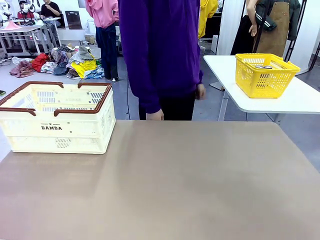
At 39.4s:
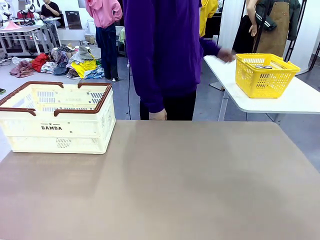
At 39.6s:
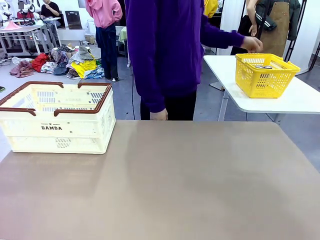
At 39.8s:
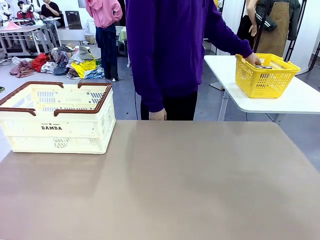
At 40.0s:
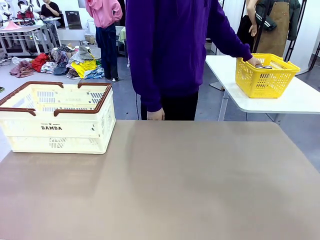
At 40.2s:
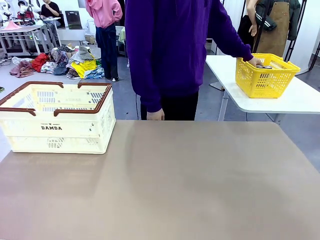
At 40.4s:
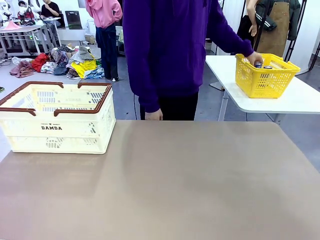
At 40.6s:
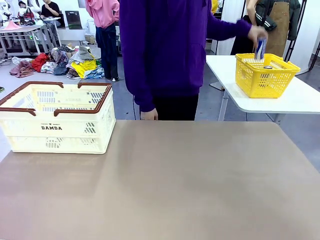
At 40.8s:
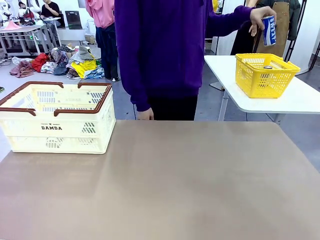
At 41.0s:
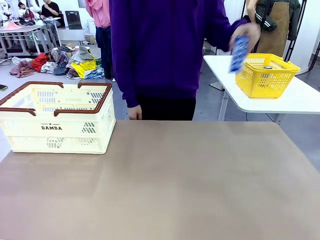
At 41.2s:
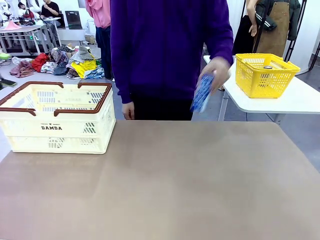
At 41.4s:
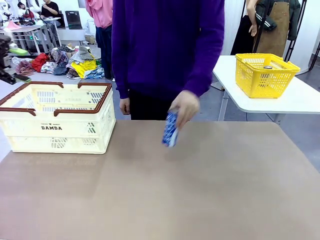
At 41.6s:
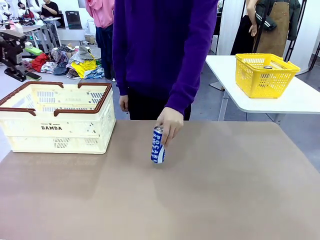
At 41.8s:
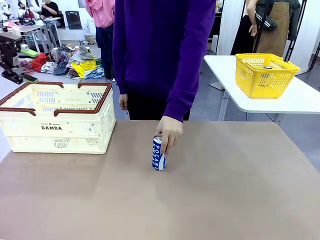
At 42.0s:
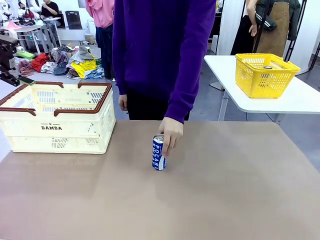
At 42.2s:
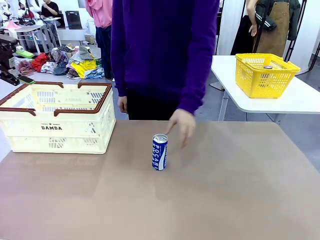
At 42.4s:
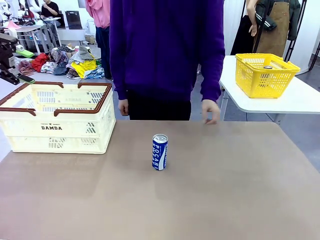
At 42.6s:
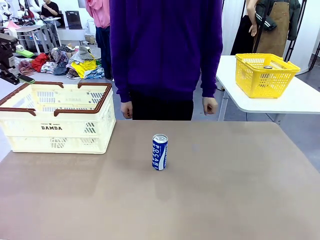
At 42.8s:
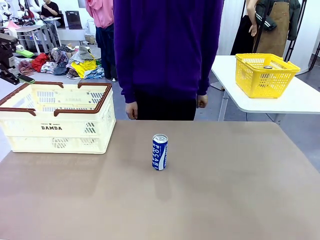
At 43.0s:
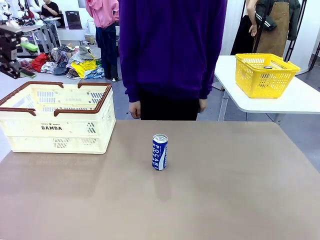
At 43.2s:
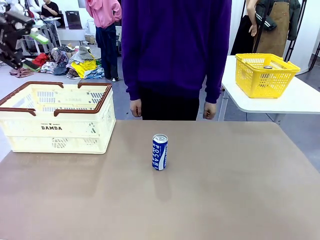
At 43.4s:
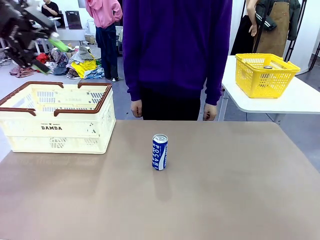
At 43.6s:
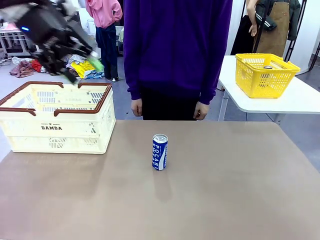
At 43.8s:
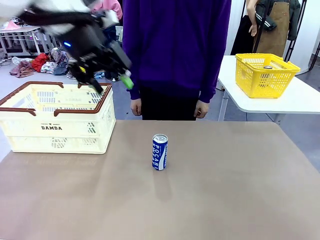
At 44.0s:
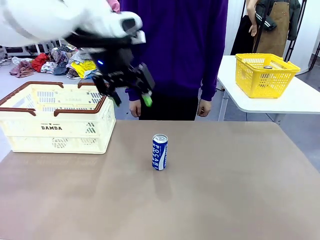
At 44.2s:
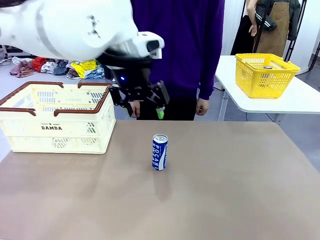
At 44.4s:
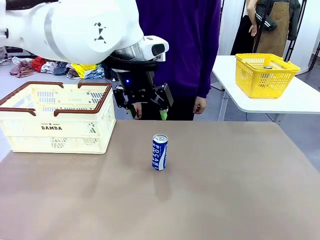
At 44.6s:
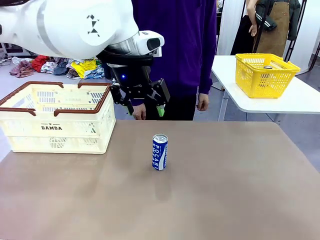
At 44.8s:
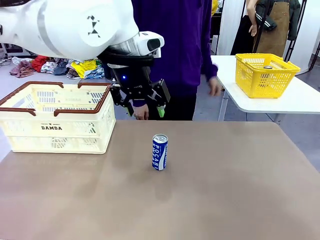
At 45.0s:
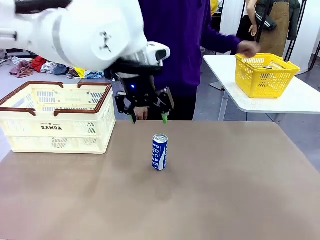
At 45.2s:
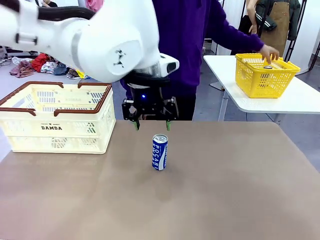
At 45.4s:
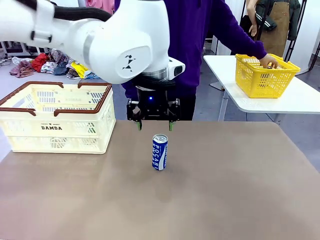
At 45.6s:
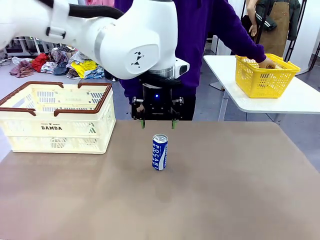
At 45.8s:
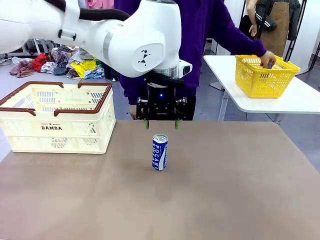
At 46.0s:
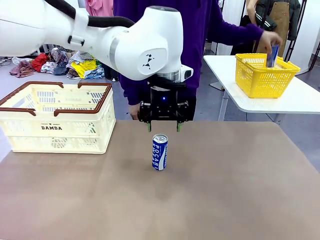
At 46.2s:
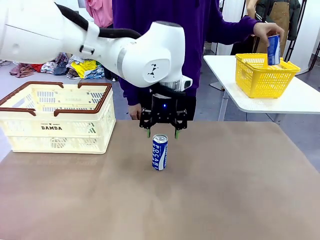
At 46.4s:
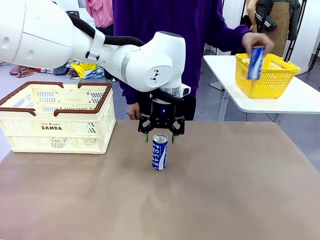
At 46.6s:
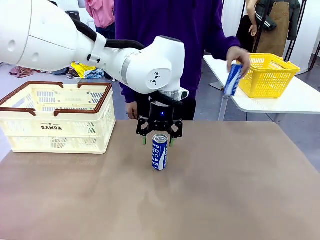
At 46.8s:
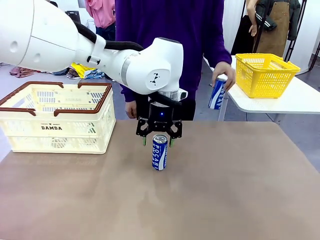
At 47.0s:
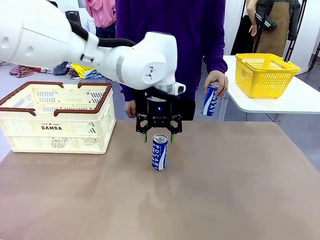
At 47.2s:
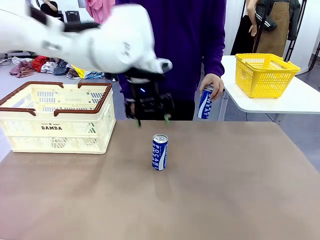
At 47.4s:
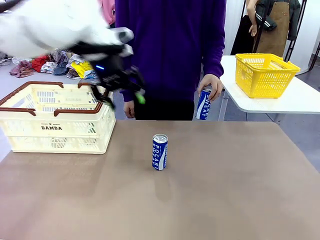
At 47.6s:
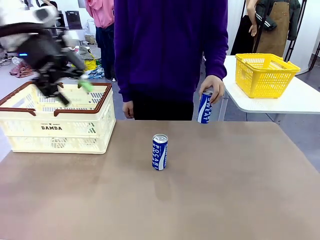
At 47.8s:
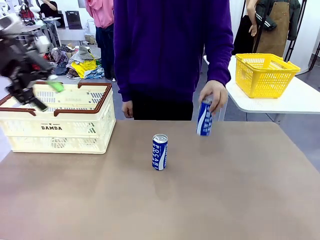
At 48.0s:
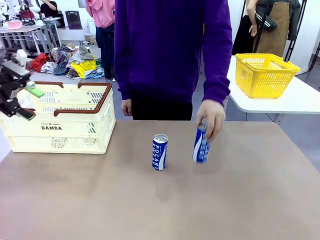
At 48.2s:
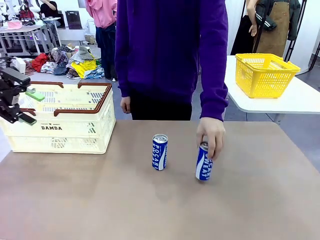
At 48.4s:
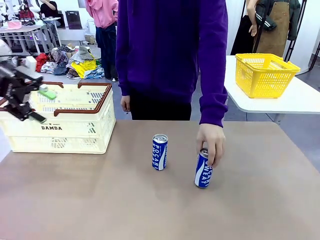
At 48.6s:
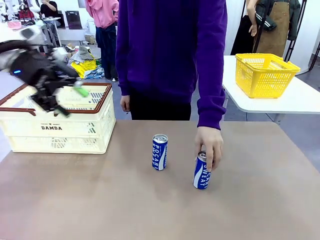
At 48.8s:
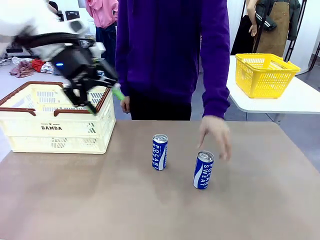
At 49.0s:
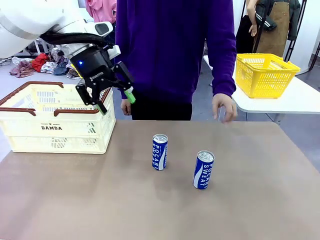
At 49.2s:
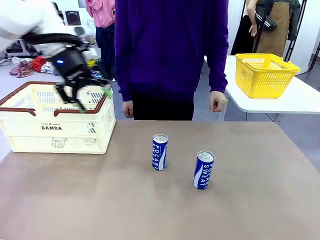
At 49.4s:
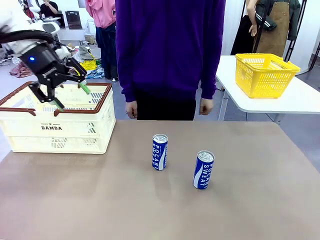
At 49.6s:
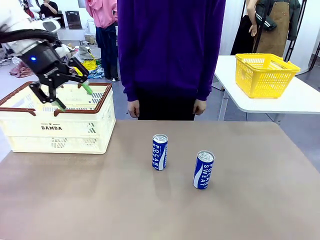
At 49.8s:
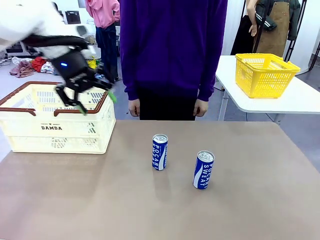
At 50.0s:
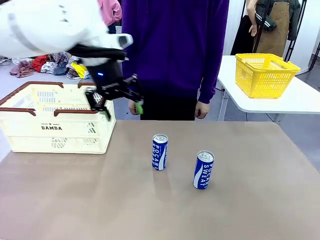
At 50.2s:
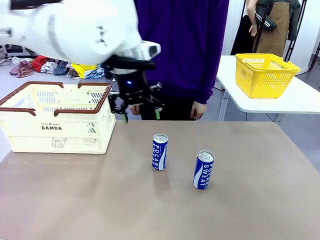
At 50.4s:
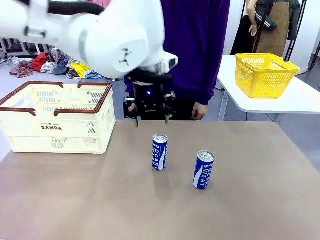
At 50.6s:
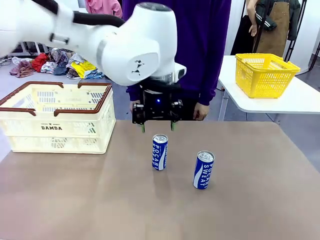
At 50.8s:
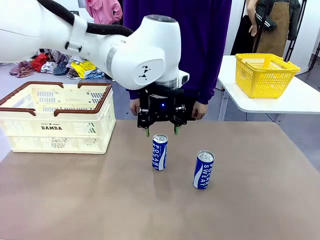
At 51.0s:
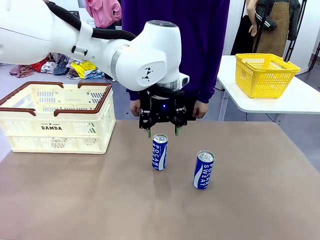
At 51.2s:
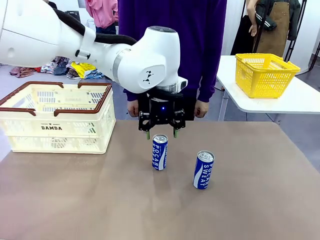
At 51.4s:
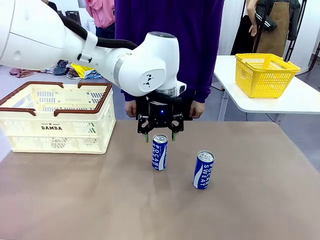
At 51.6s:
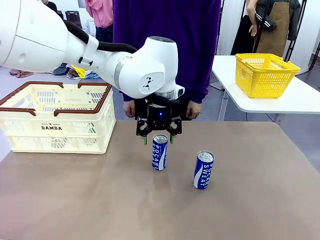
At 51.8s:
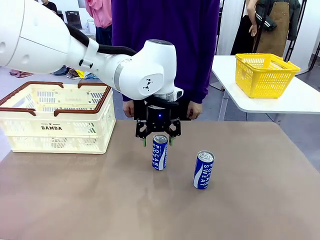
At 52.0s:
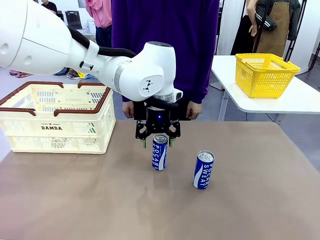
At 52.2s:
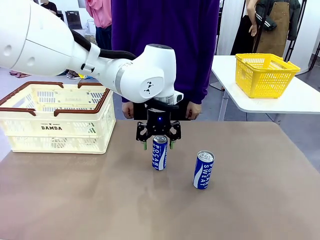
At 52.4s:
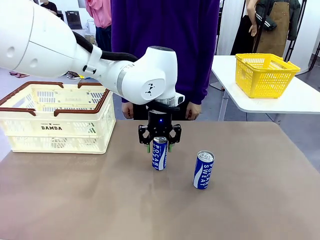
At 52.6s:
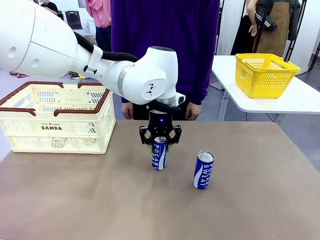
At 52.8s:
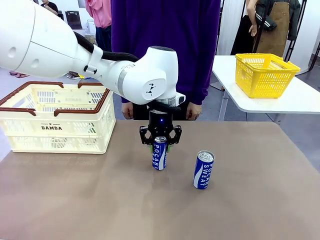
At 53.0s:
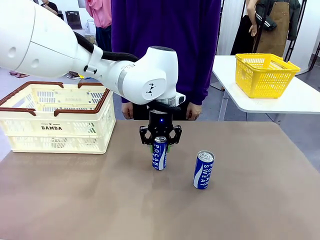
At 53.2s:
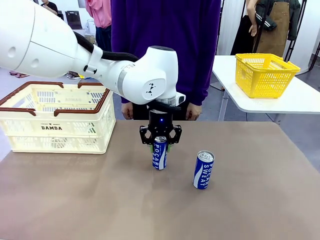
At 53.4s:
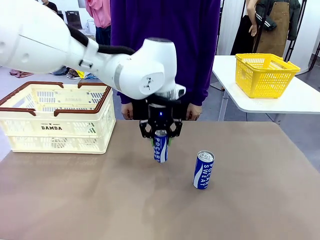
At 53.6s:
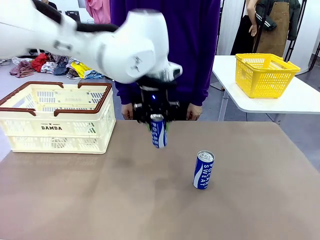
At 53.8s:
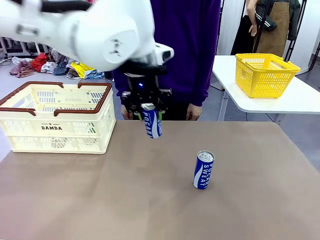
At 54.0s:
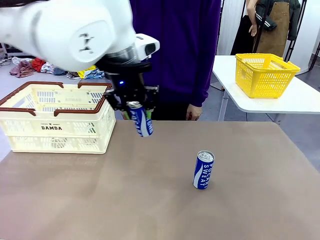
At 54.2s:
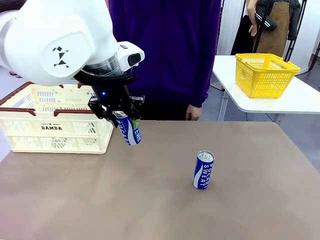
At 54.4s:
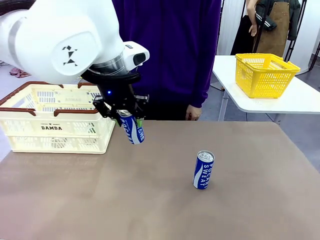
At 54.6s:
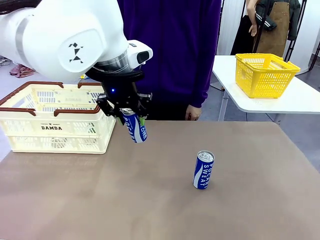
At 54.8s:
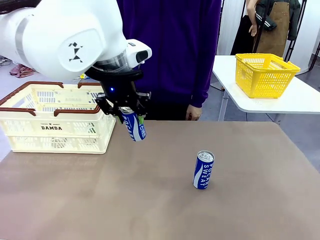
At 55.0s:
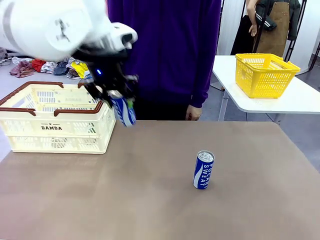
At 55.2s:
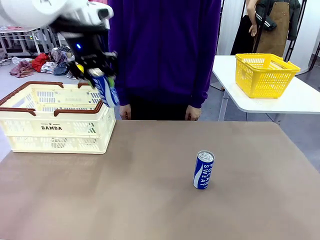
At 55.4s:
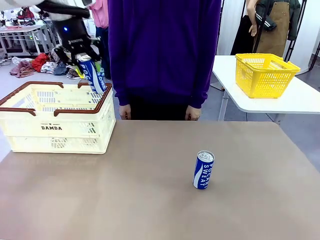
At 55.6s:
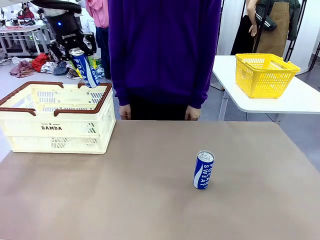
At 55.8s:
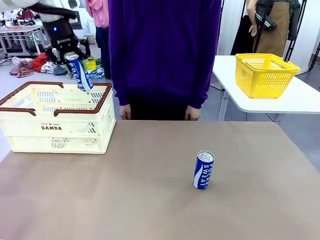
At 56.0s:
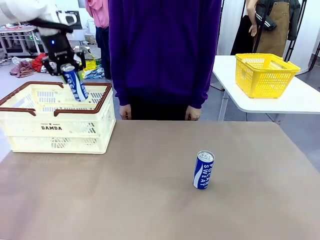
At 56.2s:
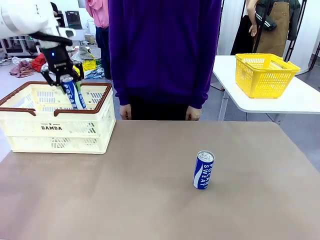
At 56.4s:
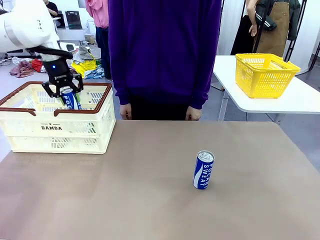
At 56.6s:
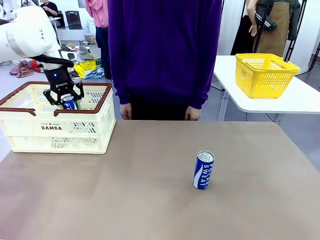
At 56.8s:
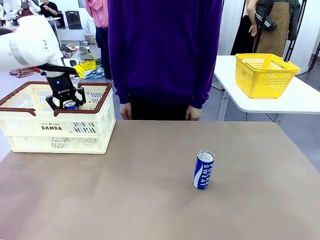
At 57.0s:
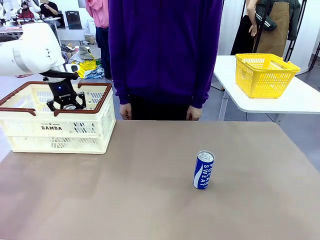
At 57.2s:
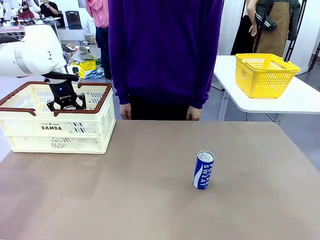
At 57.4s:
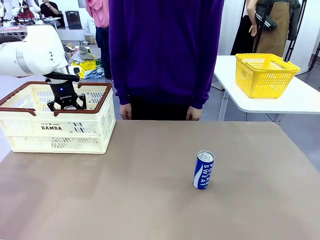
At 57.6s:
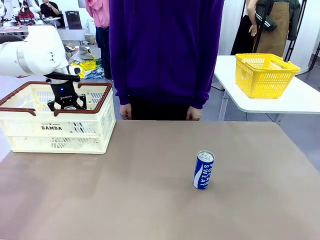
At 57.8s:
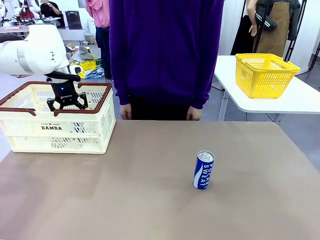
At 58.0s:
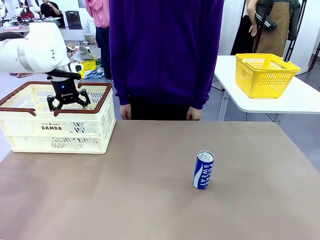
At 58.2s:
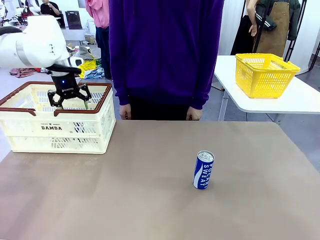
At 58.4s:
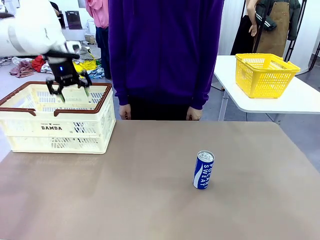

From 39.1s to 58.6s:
Task: Place the drinks into the Shopping basket.
Robot: Pick up one drink and place it into the Shopping basket.
